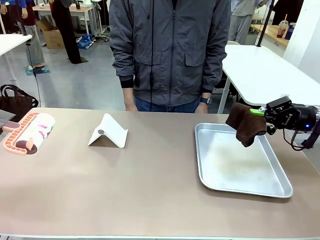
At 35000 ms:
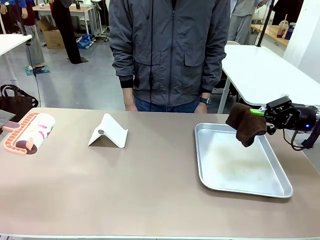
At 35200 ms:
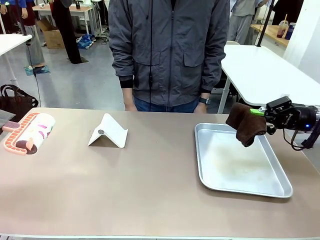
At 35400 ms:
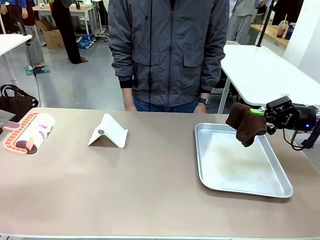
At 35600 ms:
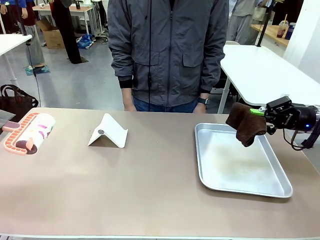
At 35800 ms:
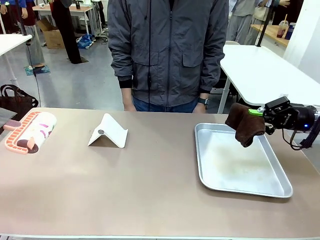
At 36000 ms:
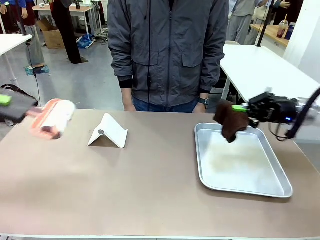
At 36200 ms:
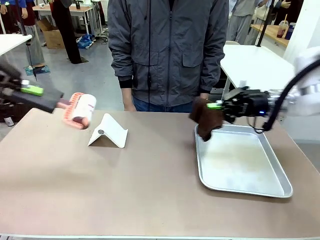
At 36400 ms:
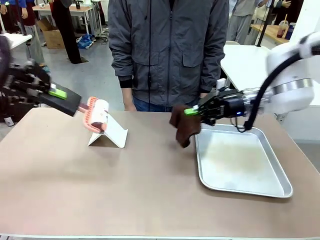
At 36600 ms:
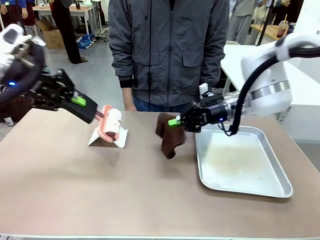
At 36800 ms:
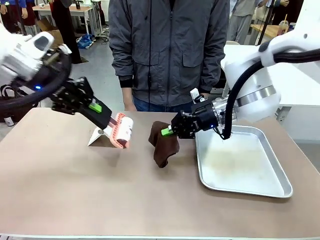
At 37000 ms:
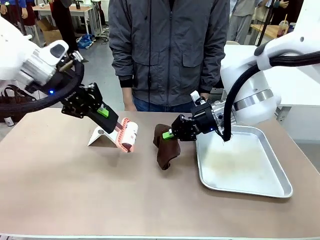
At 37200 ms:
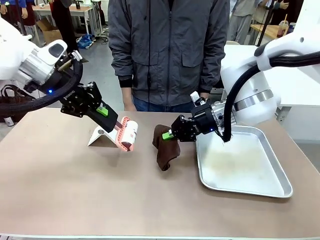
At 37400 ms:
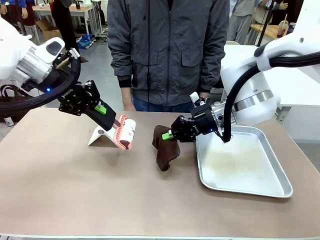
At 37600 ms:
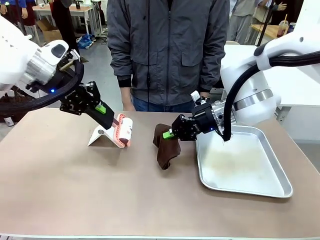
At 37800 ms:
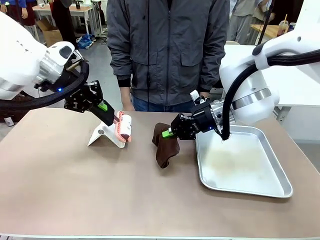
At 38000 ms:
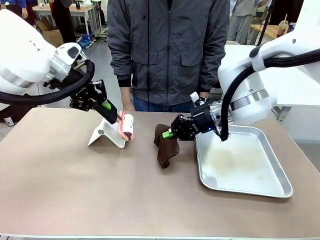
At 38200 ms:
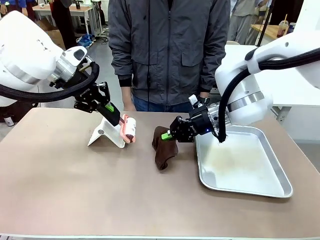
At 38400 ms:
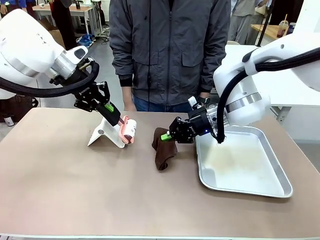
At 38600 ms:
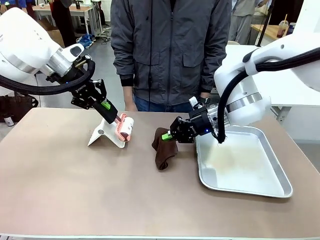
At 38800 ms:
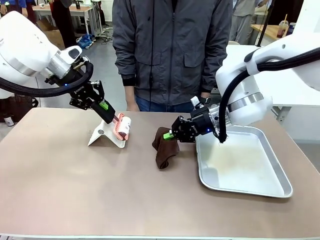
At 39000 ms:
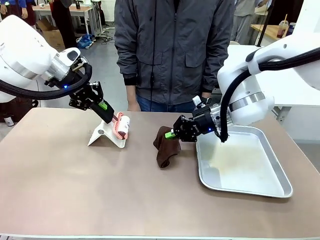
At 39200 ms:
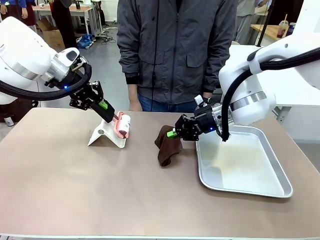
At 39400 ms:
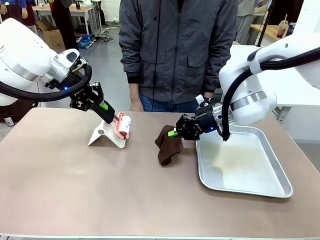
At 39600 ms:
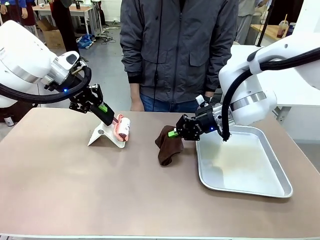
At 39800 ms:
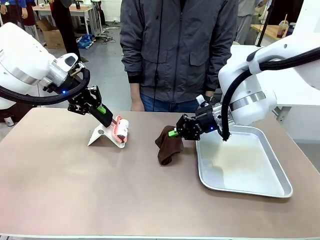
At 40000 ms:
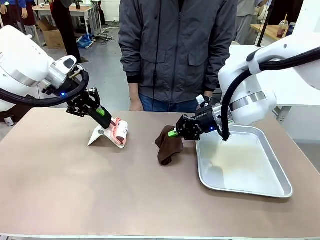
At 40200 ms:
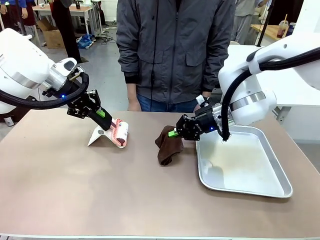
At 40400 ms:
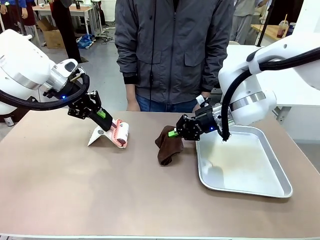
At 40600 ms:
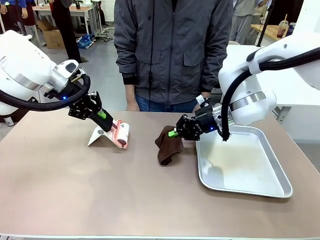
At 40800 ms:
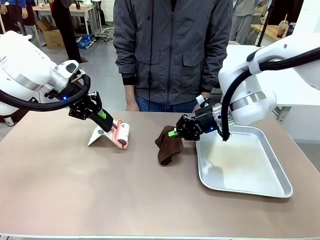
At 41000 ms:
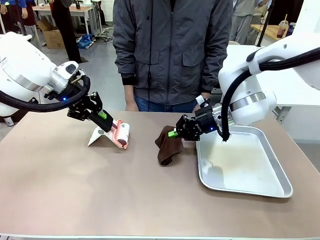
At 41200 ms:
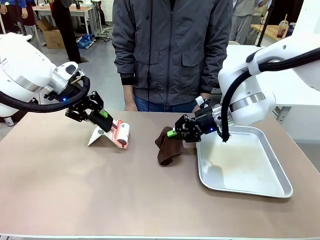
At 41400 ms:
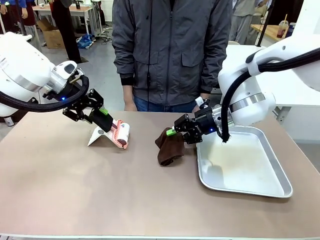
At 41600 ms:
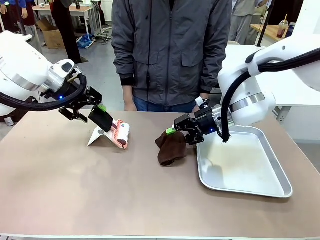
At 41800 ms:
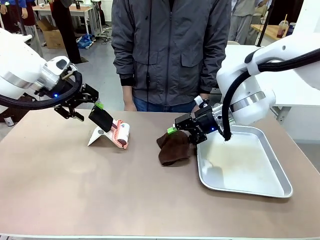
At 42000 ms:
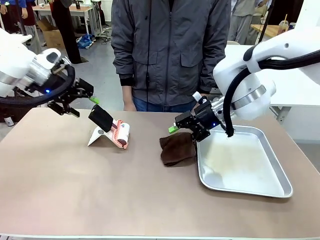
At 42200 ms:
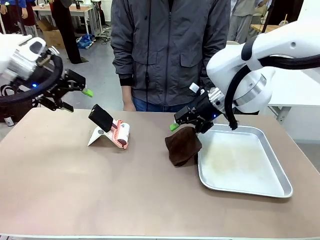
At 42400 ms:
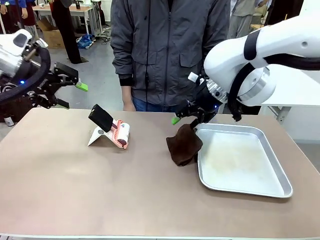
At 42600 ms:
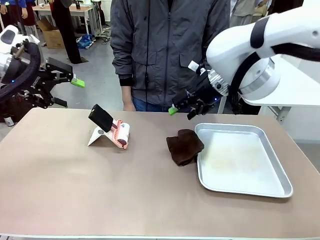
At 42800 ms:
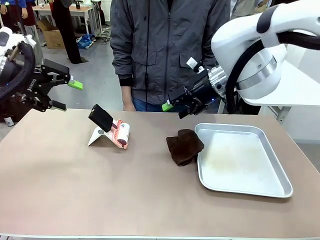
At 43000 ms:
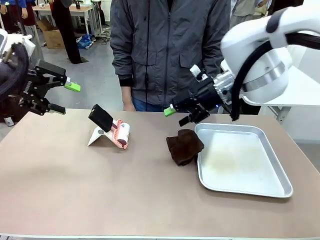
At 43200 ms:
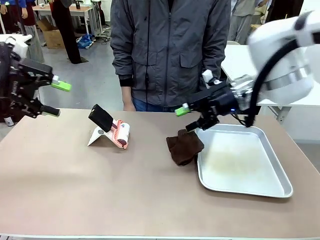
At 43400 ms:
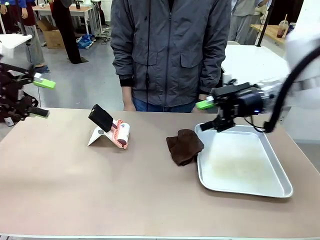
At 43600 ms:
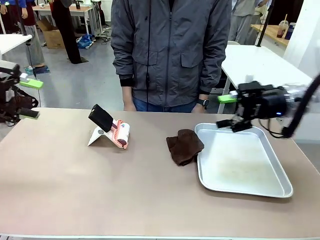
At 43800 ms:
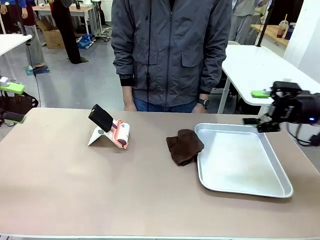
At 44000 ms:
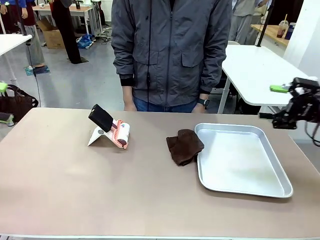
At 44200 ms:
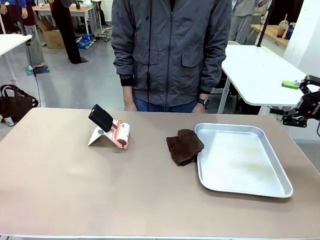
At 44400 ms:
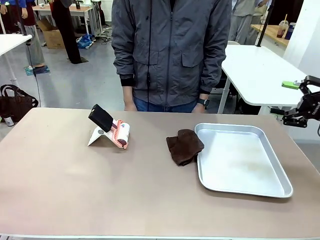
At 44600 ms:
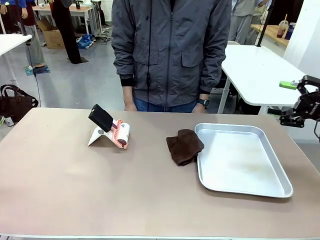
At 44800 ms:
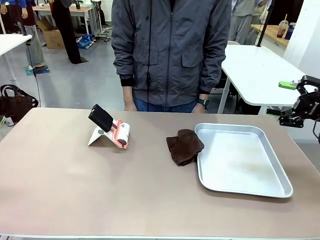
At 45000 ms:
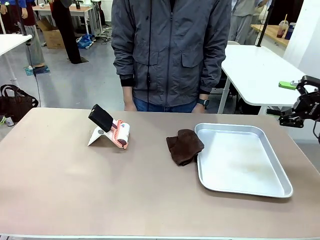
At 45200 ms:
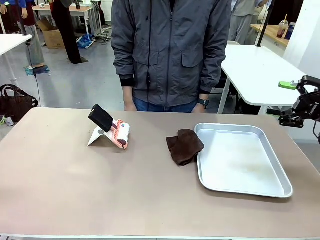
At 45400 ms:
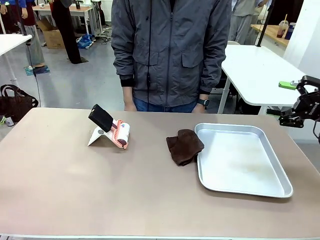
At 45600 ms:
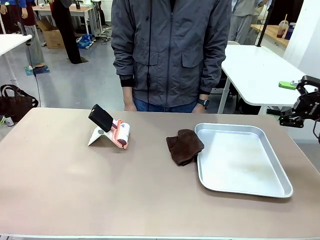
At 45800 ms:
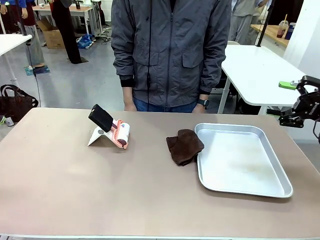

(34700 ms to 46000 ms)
Task: Clean the surface of the table.
Robot: Return the Lint Roller and towel to their original positions.

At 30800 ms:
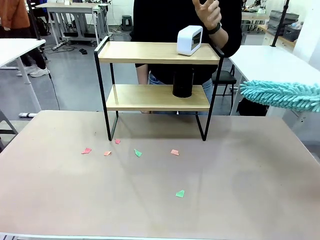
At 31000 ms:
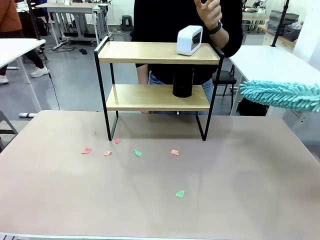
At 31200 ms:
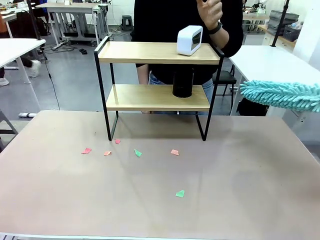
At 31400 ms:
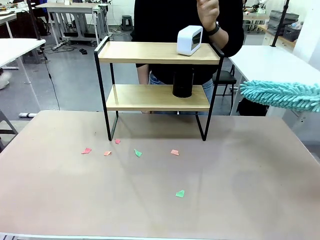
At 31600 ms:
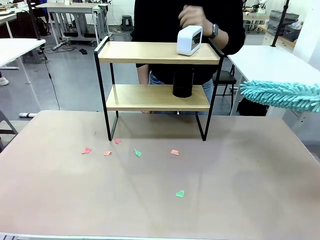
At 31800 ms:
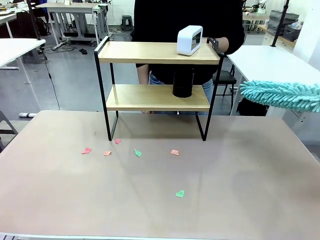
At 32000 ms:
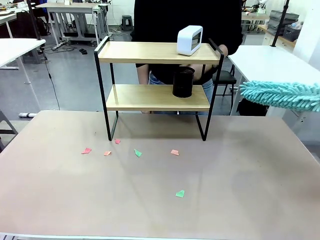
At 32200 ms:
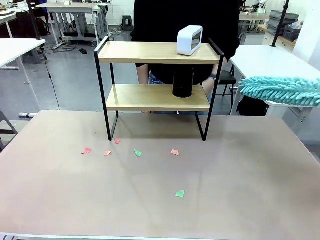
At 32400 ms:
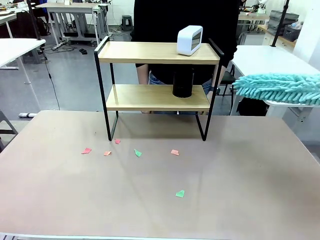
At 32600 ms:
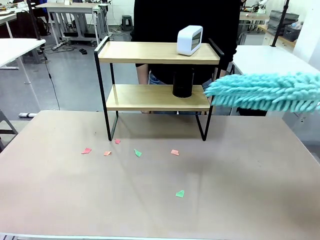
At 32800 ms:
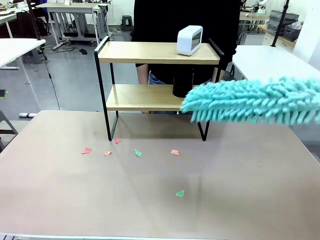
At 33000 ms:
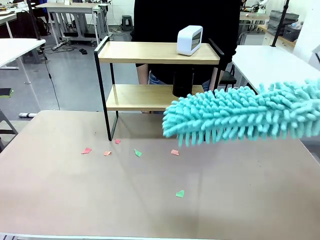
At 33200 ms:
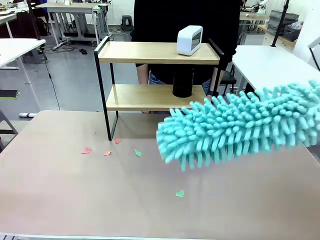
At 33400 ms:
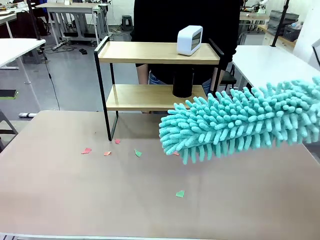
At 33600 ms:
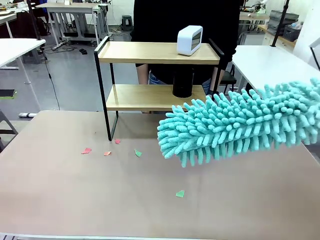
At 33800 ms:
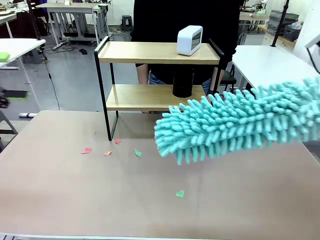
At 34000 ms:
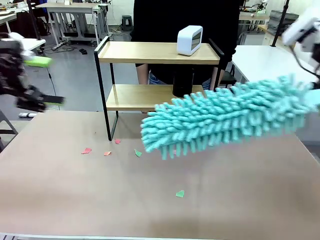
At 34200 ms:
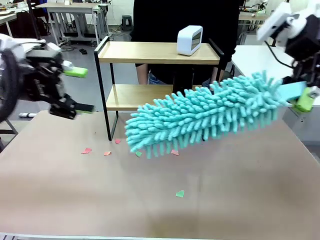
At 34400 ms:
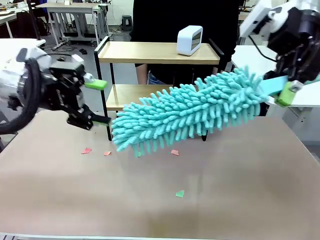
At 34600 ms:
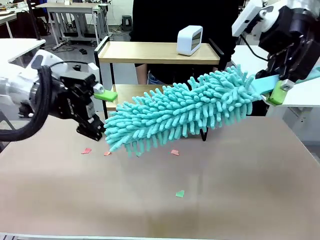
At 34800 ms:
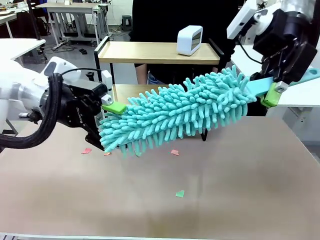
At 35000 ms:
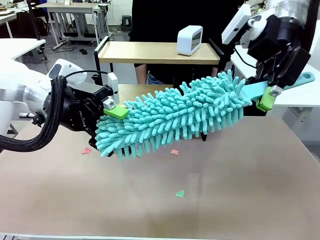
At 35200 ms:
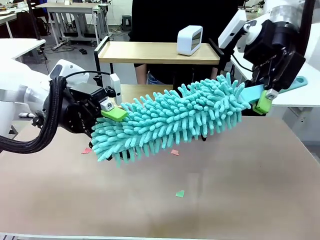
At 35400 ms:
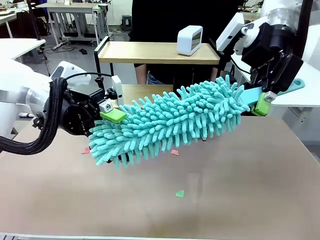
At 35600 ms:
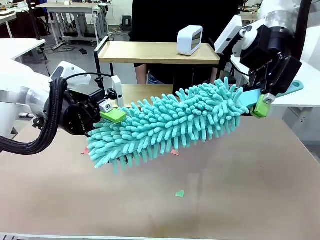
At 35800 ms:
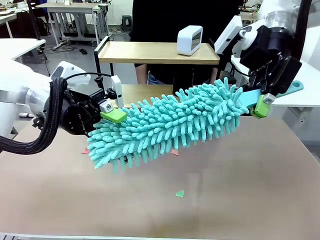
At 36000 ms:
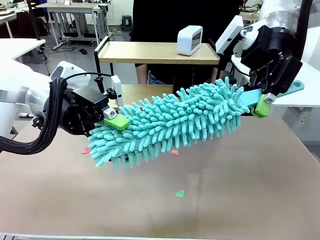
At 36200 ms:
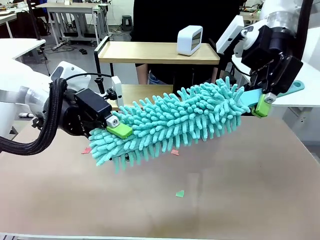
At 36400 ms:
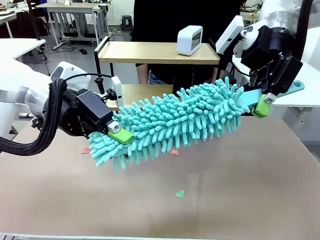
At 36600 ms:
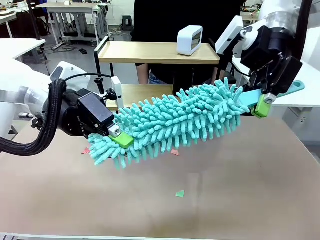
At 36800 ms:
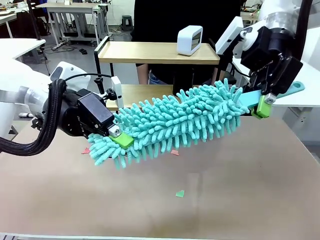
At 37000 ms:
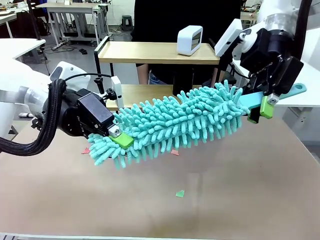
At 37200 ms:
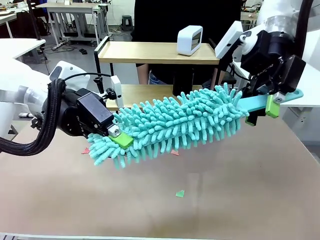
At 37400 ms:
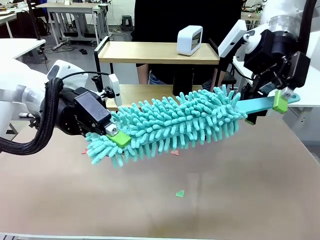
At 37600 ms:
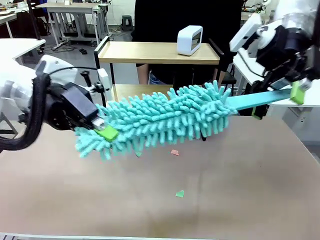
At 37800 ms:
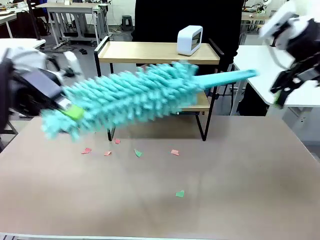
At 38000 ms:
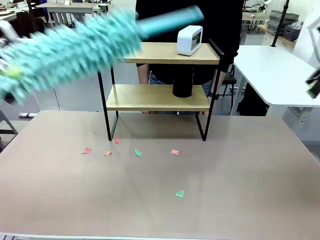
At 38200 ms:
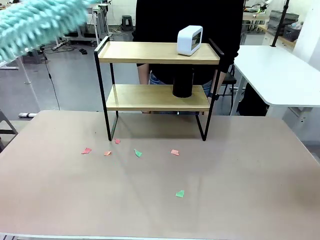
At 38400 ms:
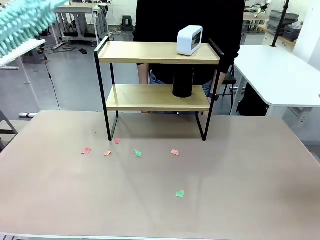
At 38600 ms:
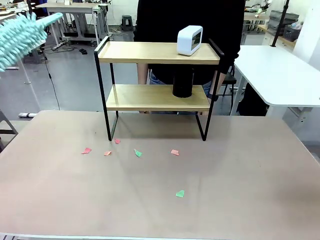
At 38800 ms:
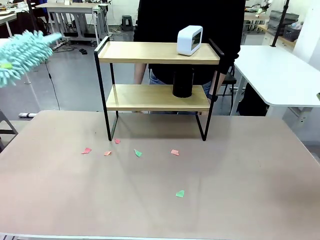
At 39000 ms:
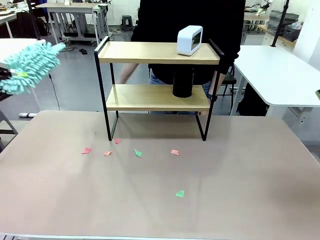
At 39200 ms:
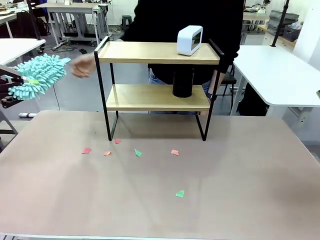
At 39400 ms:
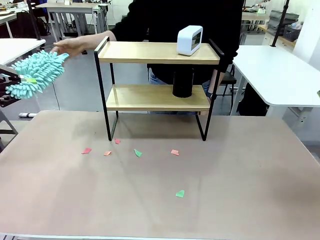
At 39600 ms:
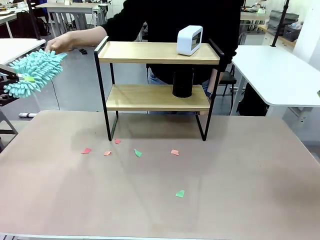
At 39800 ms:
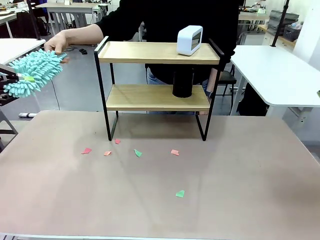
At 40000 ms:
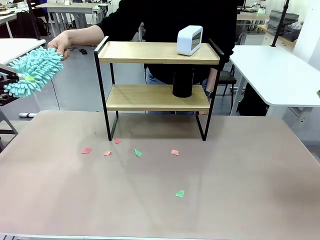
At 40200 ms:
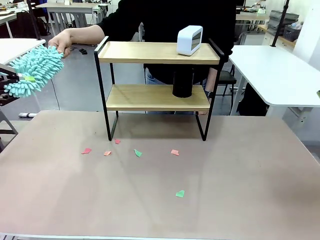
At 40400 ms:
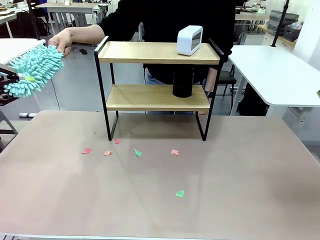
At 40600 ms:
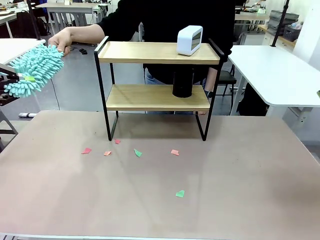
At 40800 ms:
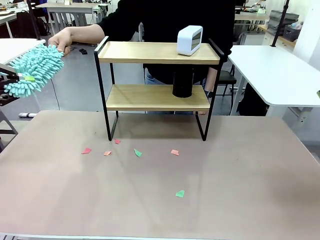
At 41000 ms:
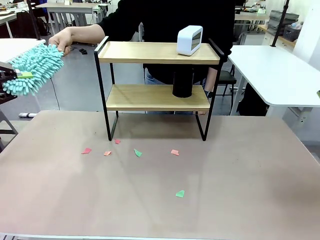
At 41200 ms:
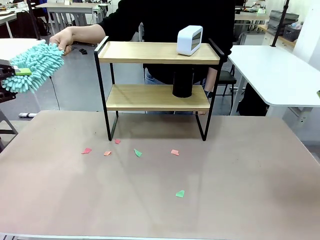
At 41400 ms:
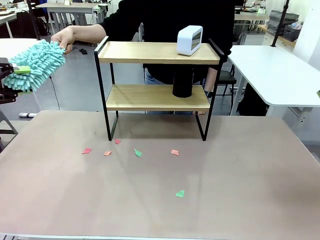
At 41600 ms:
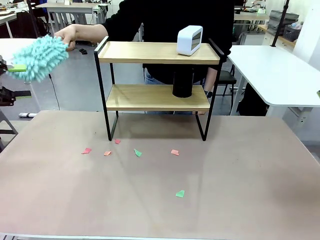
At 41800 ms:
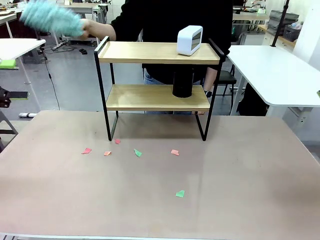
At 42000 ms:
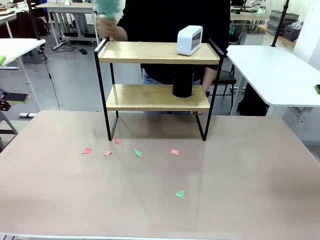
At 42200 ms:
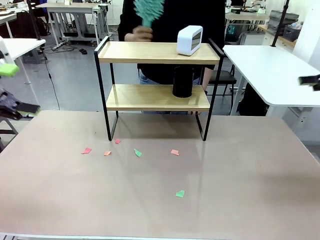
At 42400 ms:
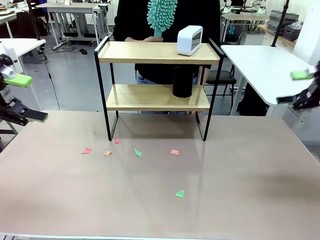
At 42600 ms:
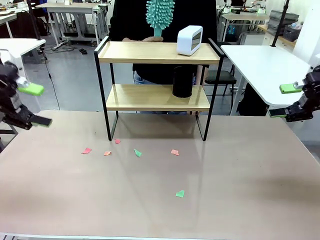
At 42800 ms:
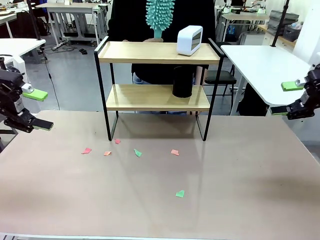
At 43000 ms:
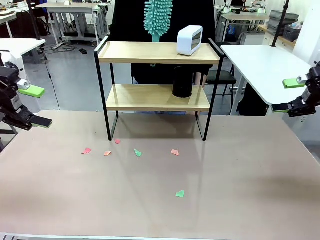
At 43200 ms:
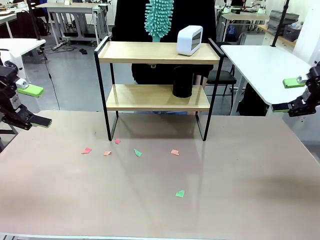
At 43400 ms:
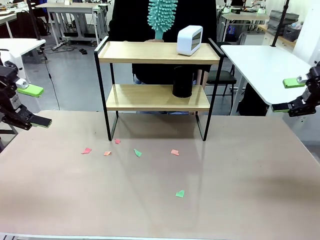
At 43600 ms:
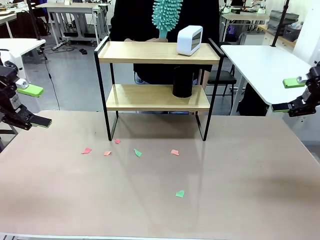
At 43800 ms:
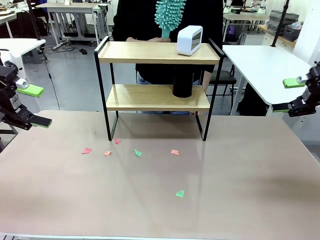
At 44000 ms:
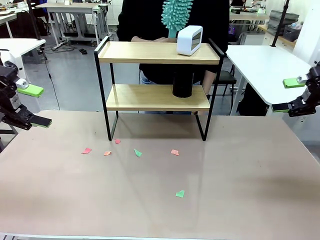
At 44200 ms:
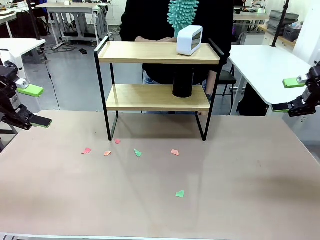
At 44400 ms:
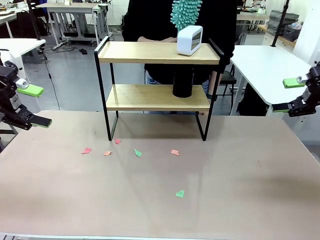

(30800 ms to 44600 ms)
Task: Clean the shelf.
Robot: Hand the Duster back to the human.
Person: Receive the Duster from the robot.
